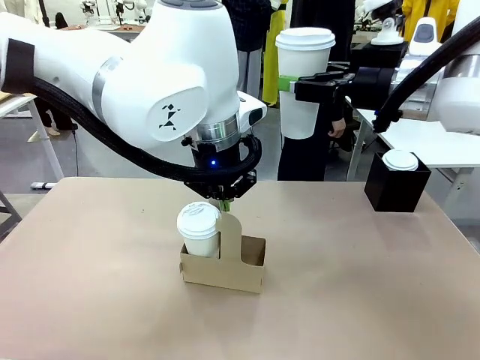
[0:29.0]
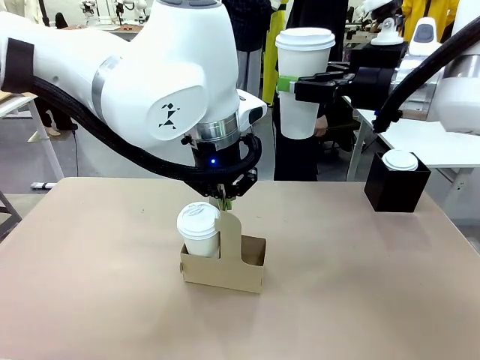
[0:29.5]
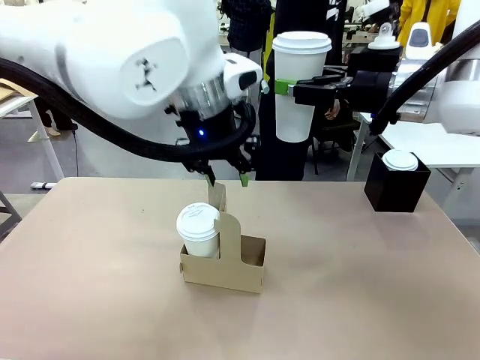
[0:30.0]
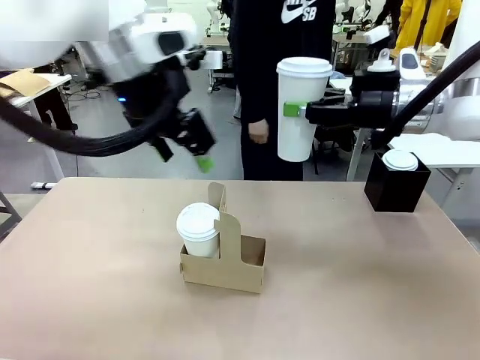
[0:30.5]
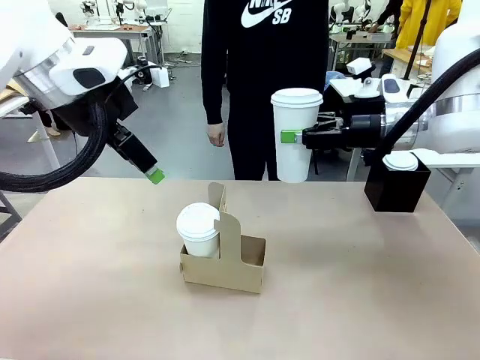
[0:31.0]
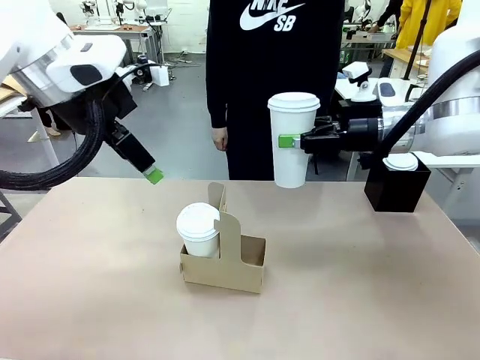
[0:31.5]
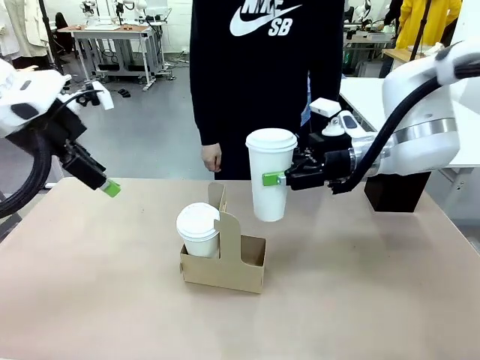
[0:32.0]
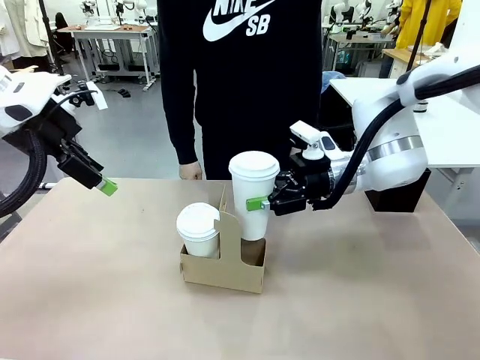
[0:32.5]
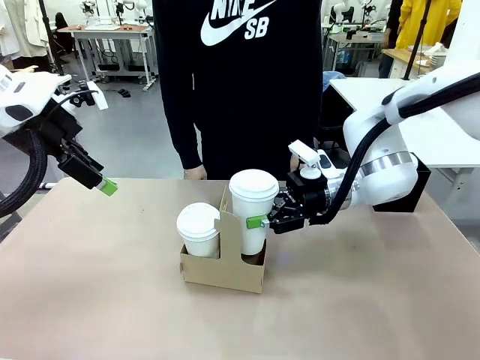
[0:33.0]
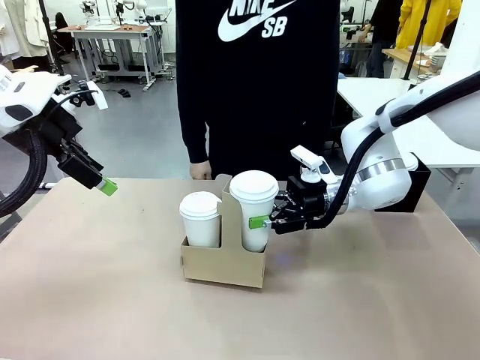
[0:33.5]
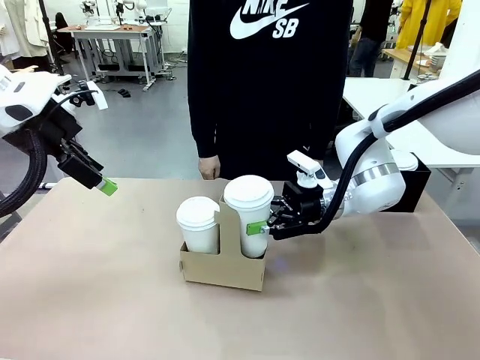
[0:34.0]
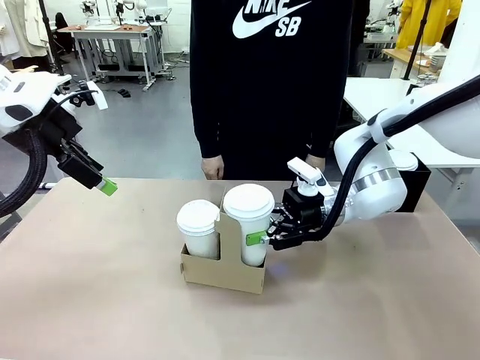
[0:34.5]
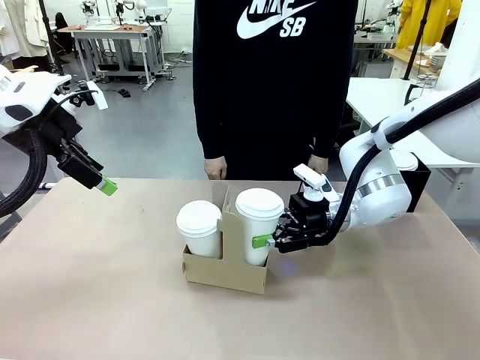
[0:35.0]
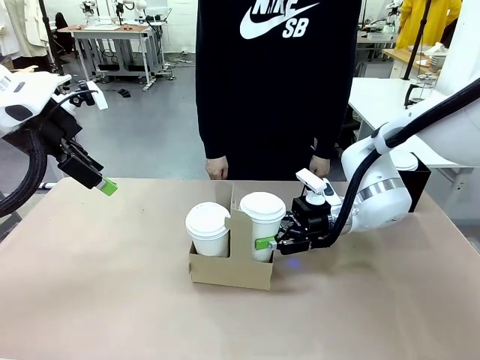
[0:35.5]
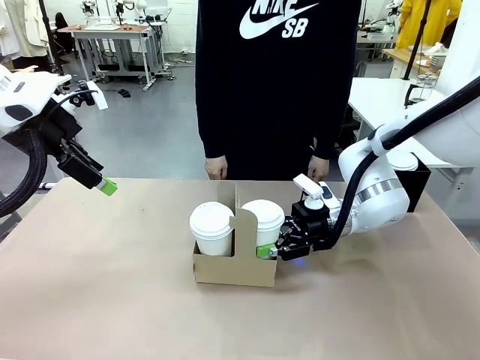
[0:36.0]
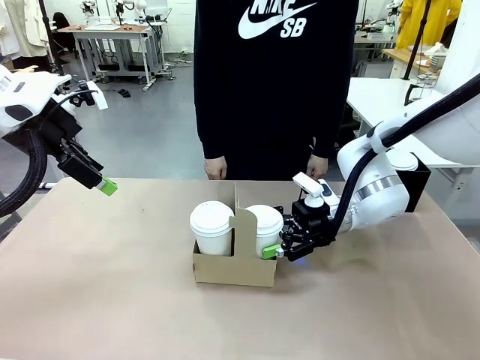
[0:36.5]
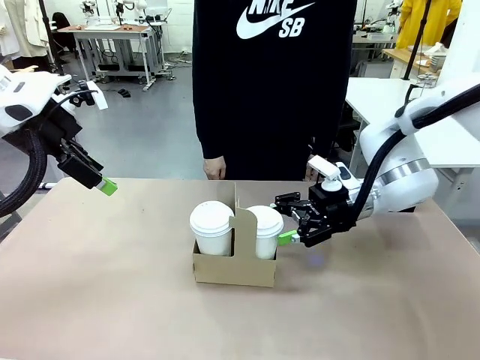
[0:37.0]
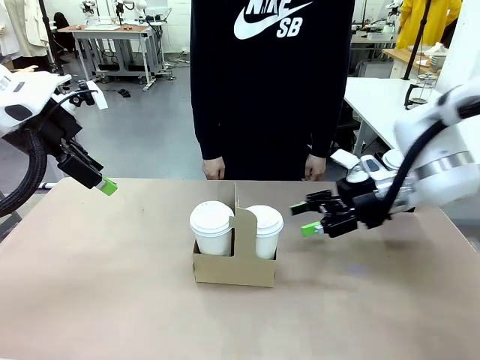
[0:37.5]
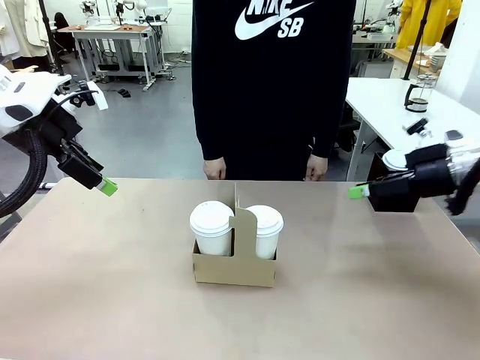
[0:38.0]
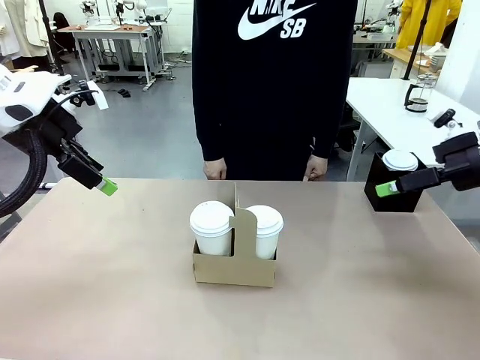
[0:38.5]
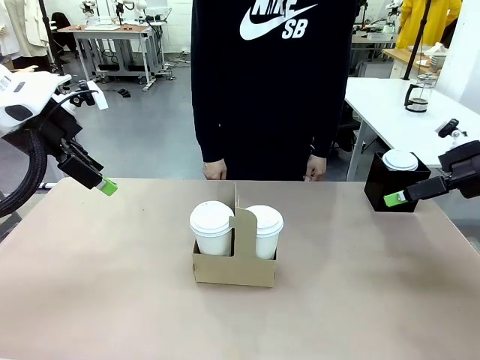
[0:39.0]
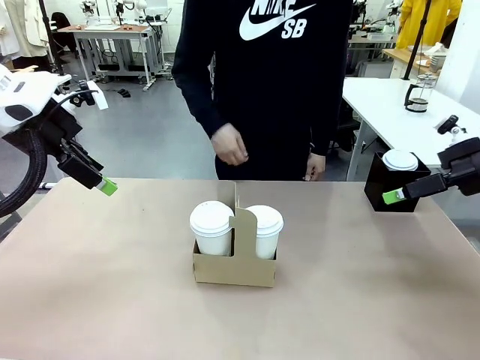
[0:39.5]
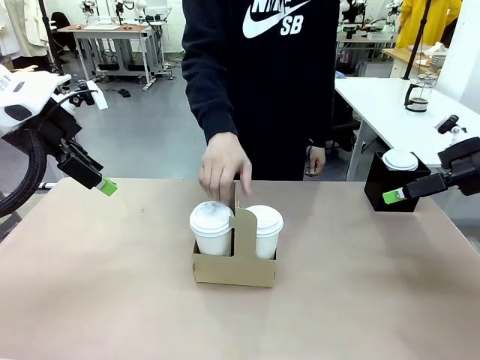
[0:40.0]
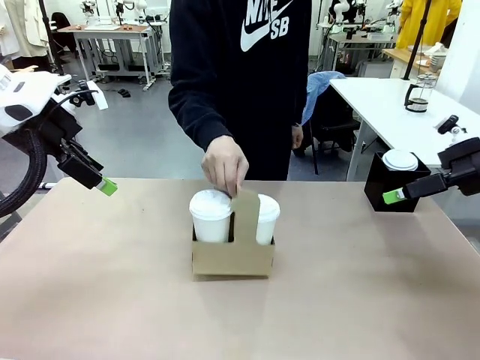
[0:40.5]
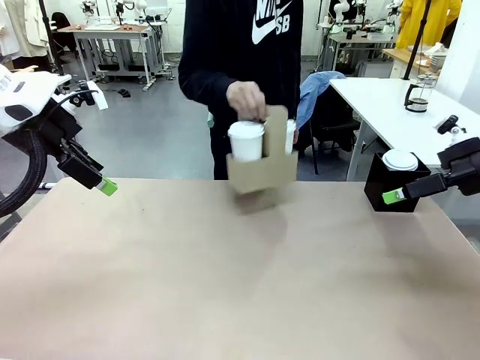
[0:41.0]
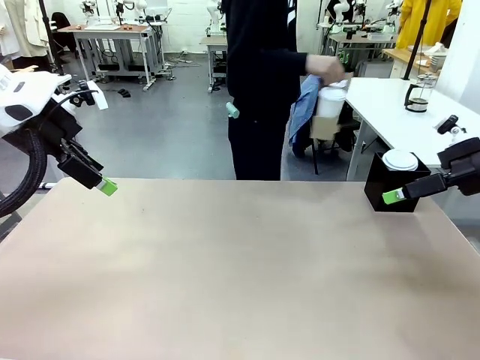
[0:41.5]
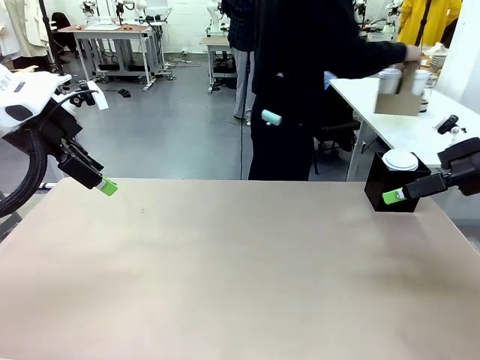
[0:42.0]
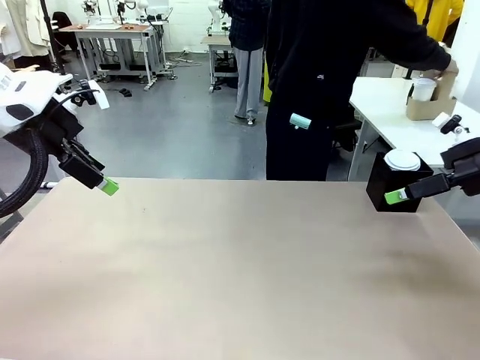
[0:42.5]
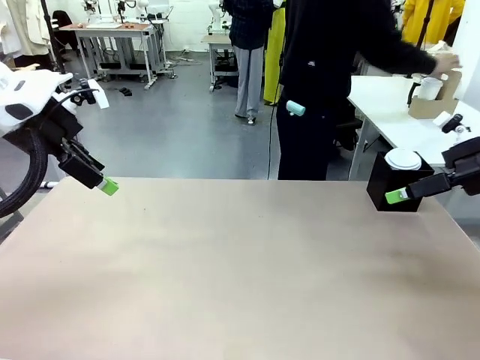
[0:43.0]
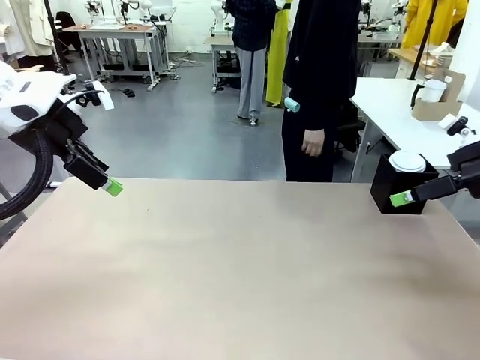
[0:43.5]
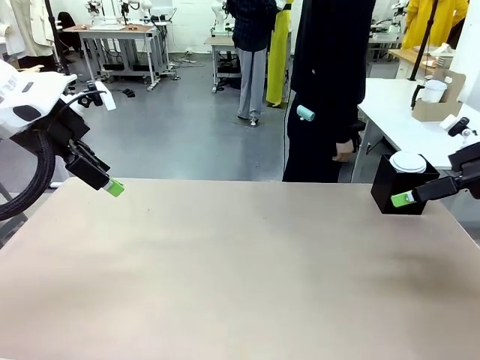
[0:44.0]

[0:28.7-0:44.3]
Task: Pour a drink into a cup and package it in a carrier.
Robot: Insert the held 600 ml Paper Cup into the Cup Carrier.
Person: Place the Cup Carrier to the middle of Human table.

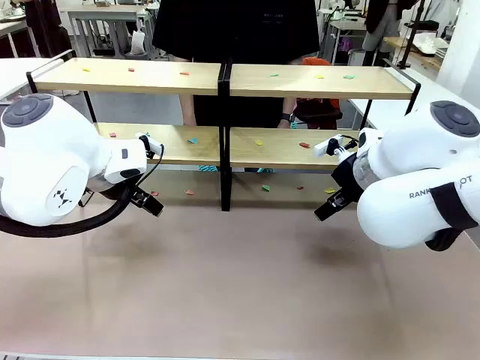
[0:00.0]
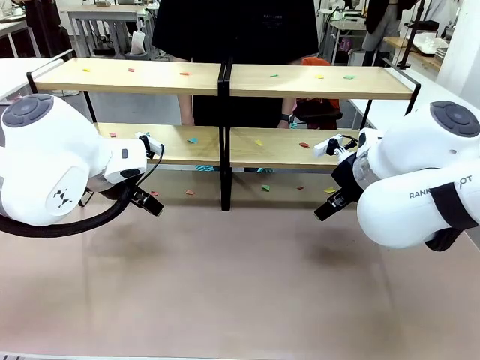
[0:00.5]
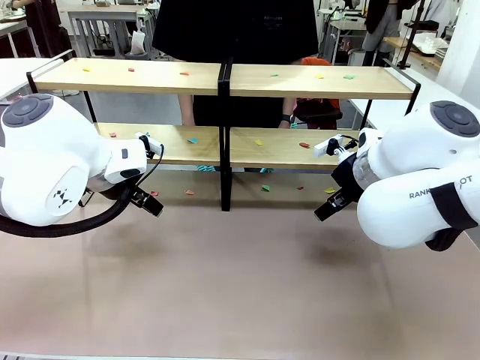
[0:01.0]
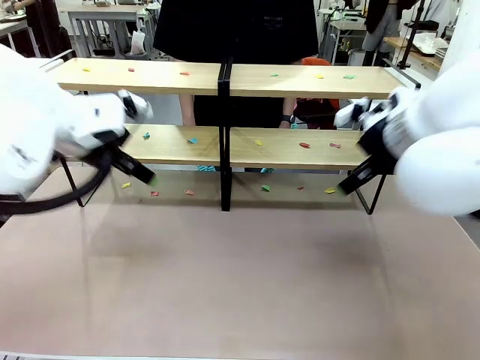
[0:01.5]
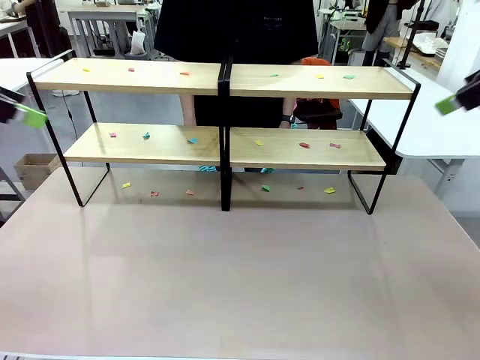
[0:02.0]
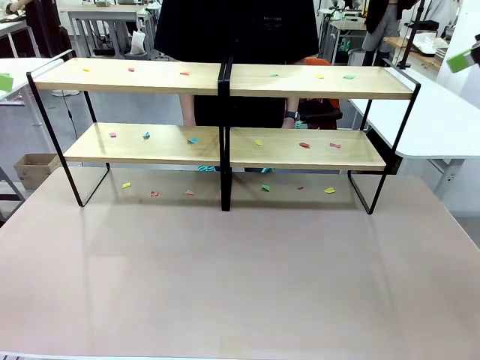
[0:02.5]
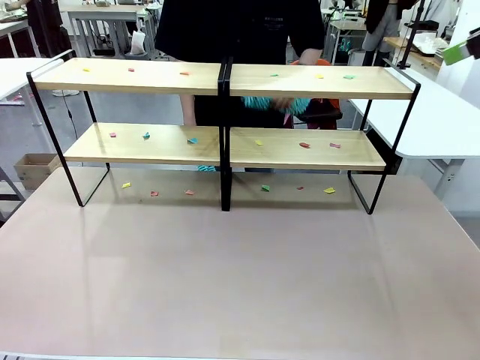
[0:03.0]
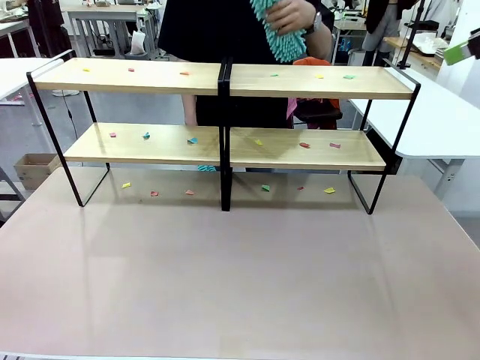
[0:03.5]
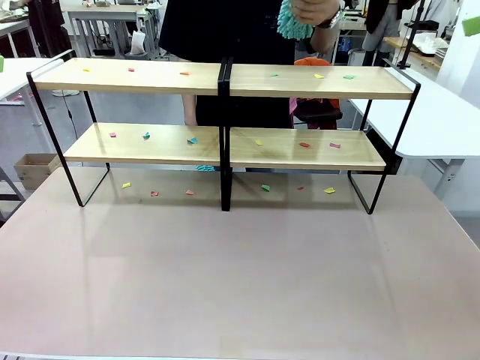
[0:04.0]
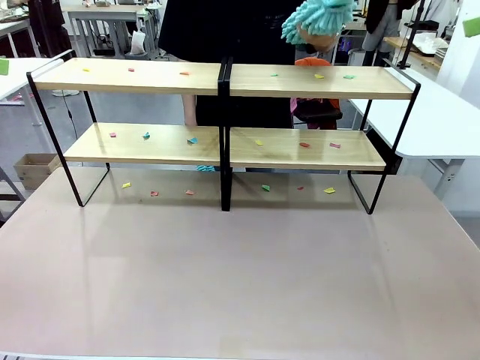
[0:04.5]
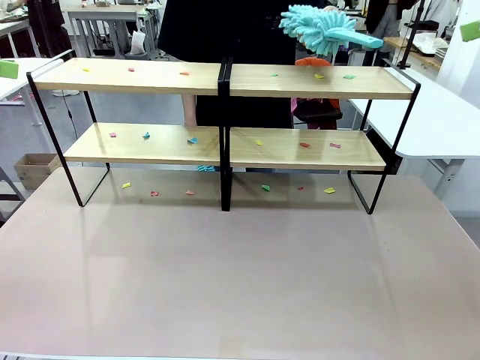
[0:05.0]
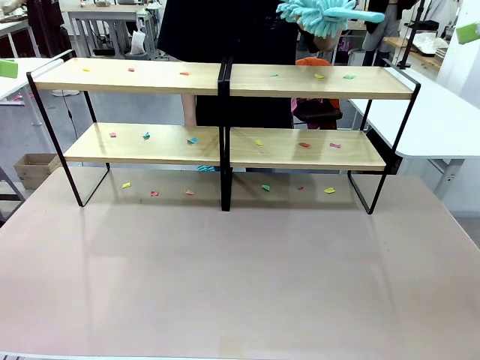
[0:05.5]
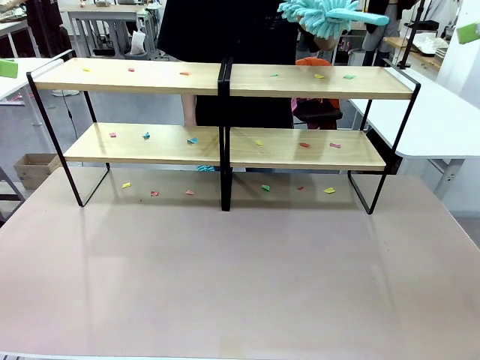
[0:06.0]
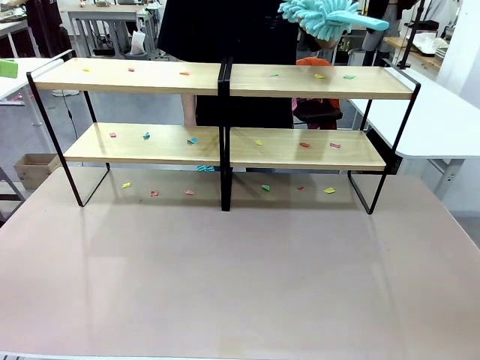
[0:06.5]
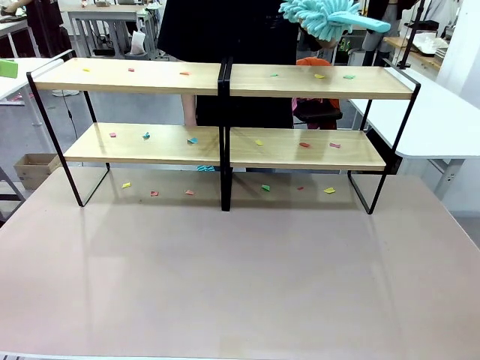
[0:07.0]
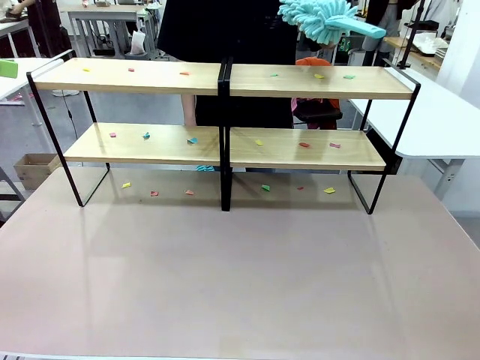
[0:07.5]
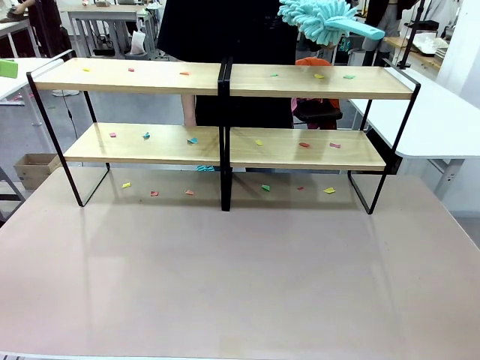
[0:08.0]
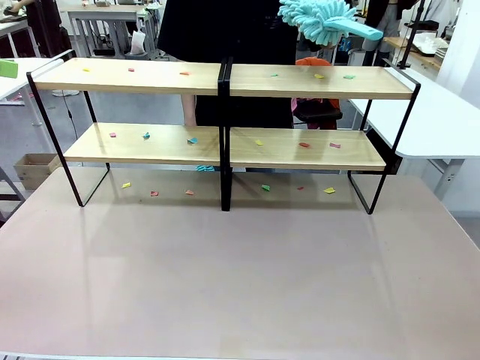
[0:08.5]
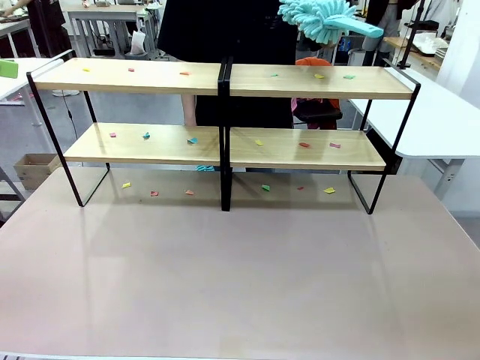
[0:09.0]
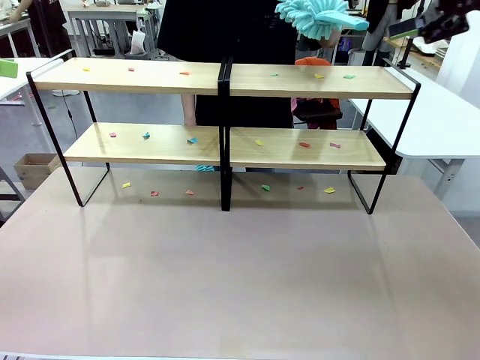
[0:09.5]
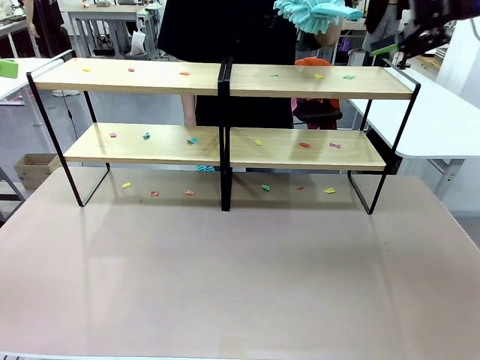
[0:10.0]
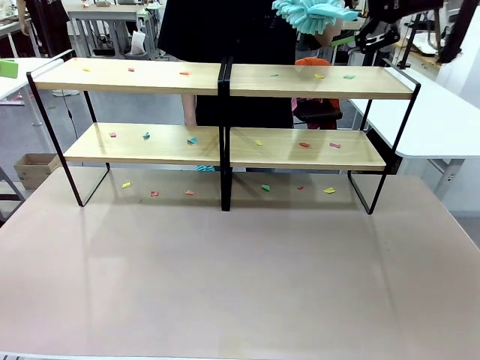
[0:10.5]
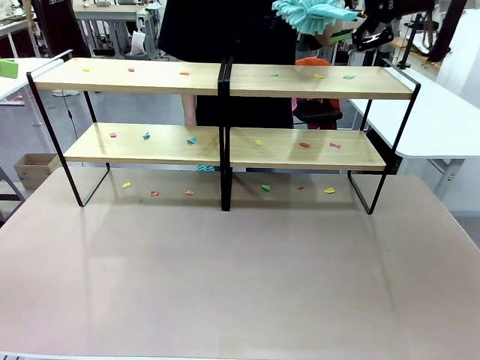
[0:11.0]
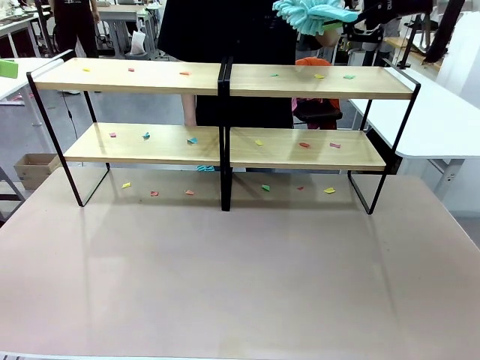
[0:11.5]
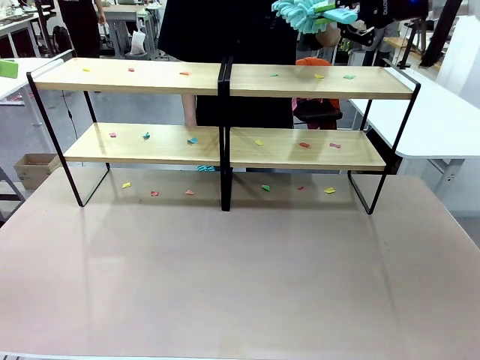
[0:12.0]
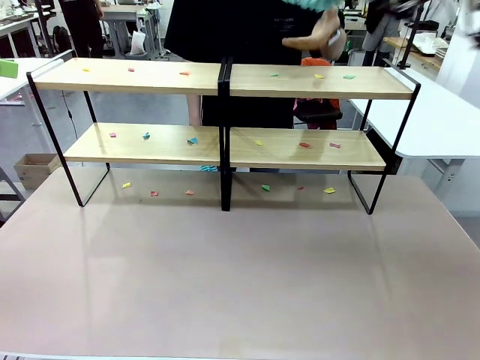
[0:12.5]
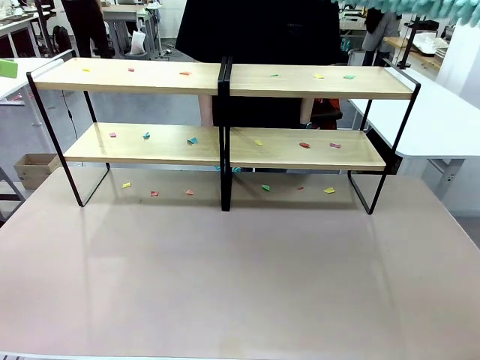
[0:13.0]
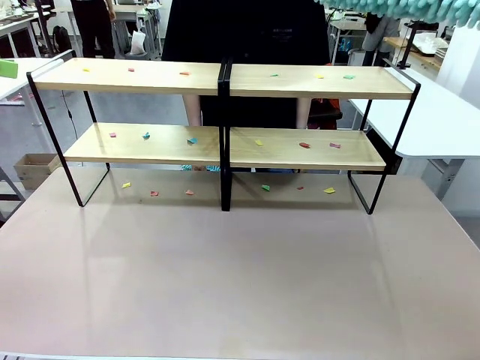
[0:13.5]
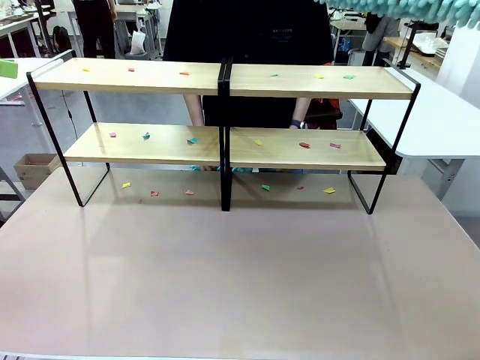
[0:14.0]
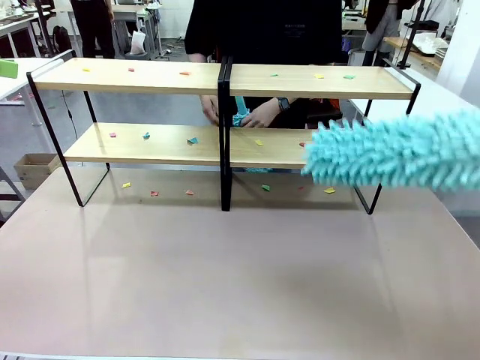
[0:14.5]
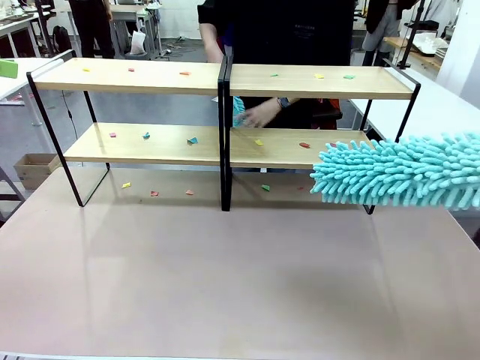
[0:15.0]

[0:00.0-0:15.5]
Task: Clean the shelves.
Robot: Pick up the Duster when the human hands it over.
Person: Hand the Duster to the robot with your right (or left) hand.
